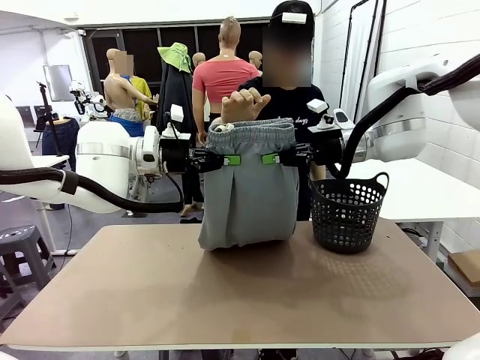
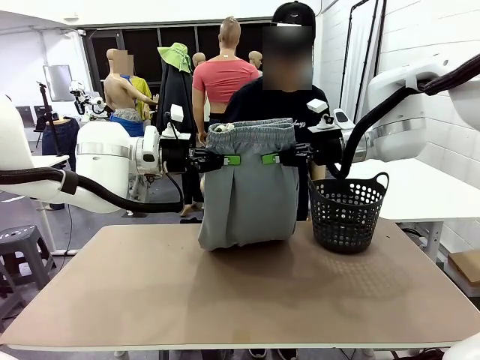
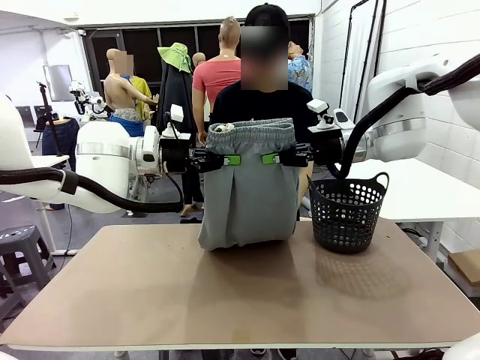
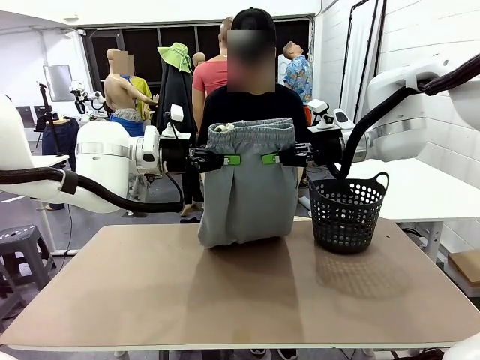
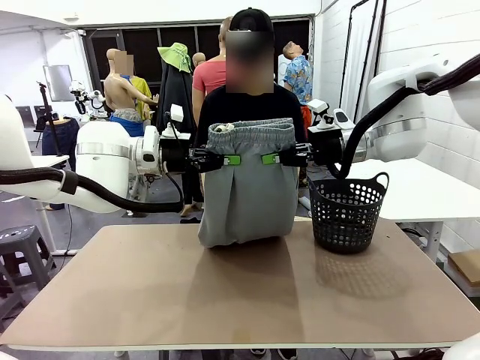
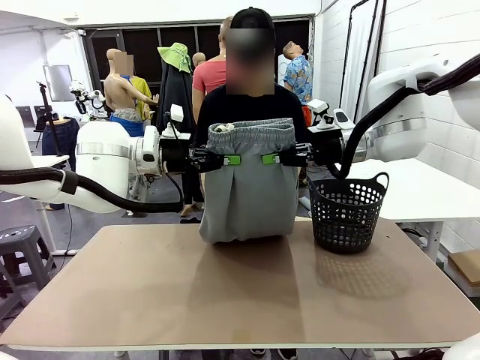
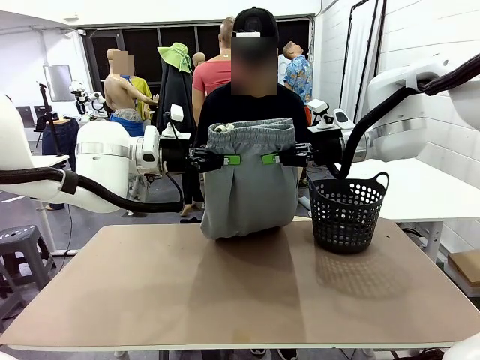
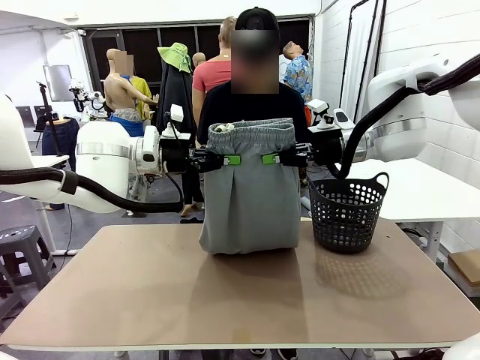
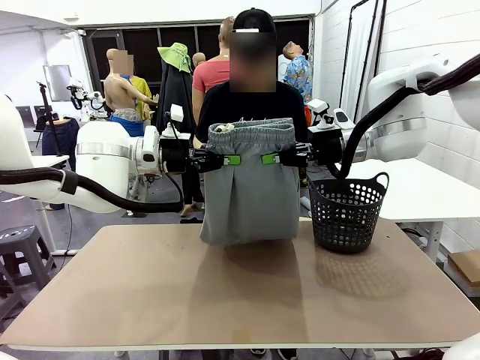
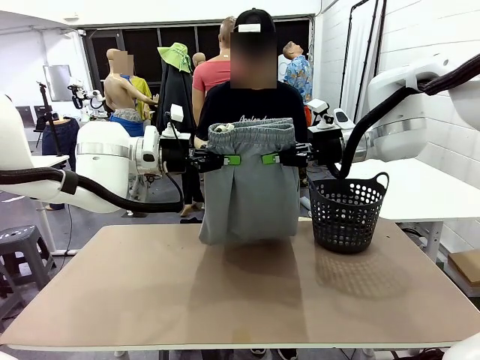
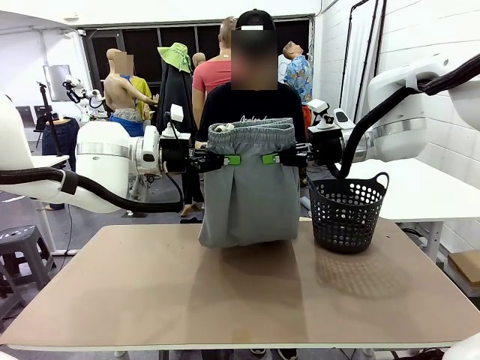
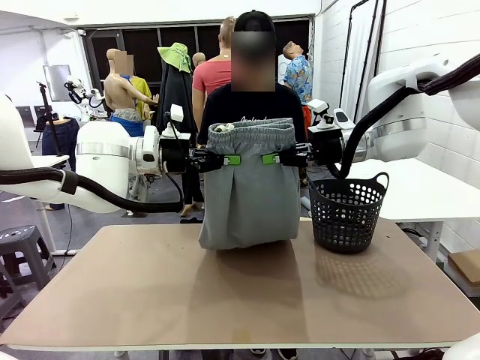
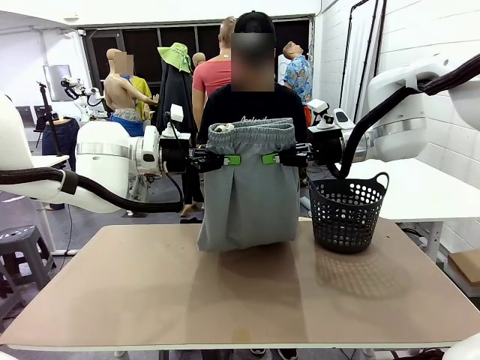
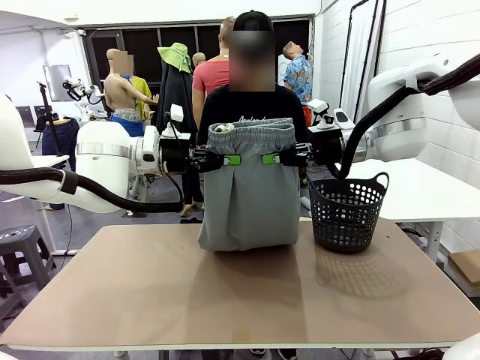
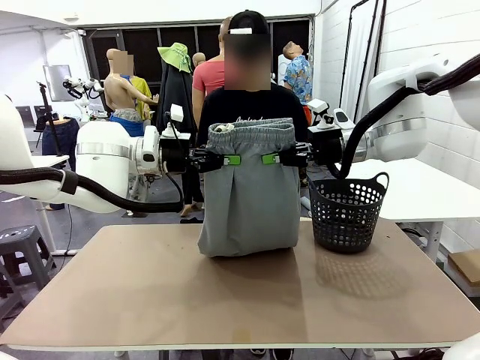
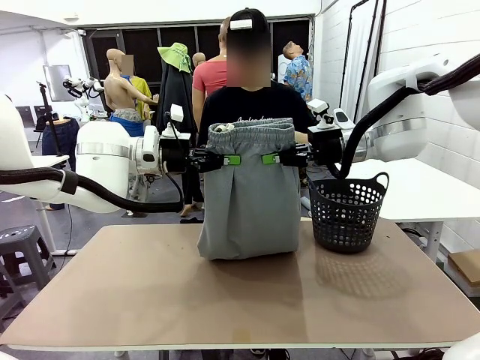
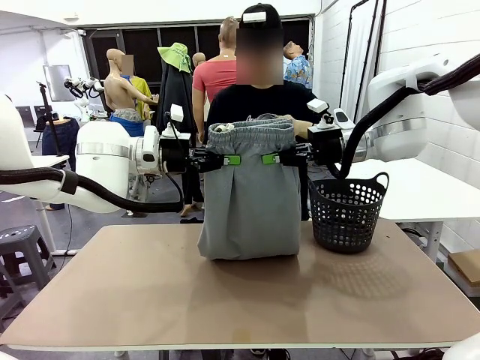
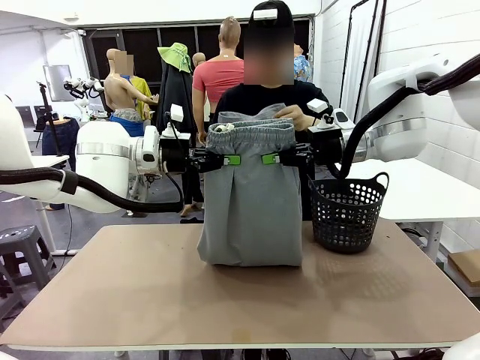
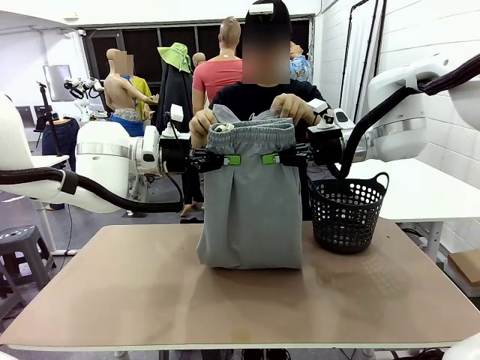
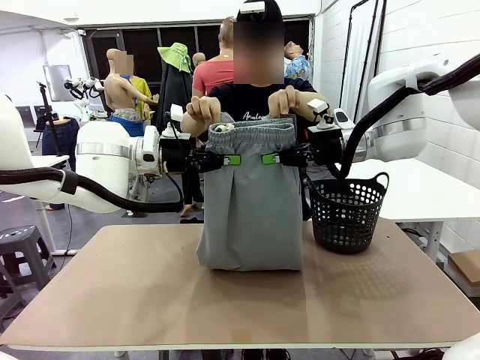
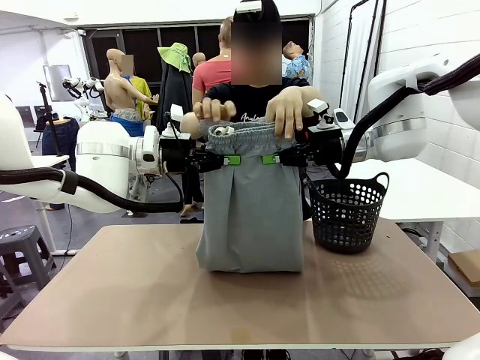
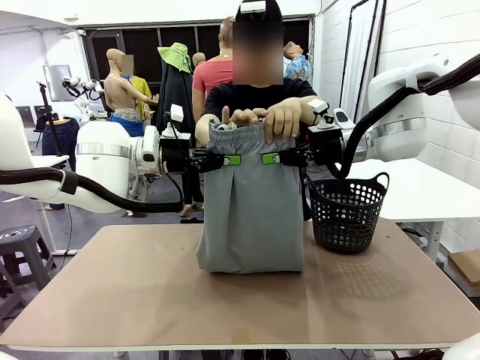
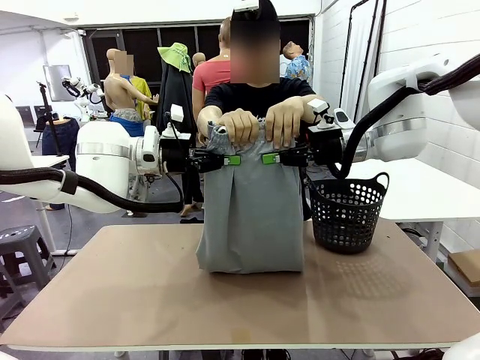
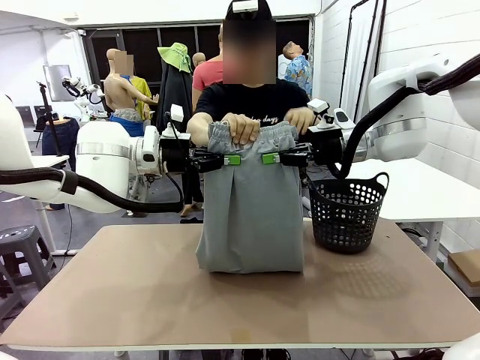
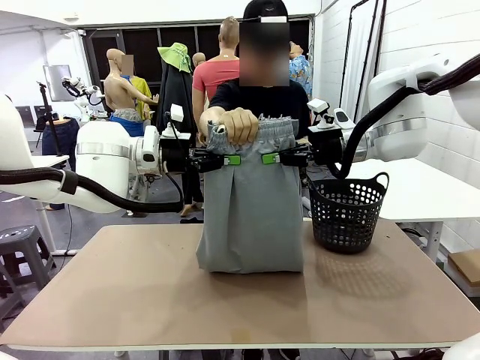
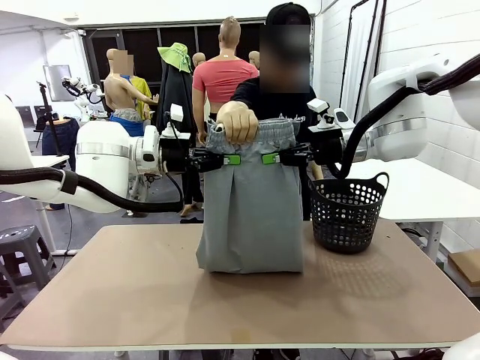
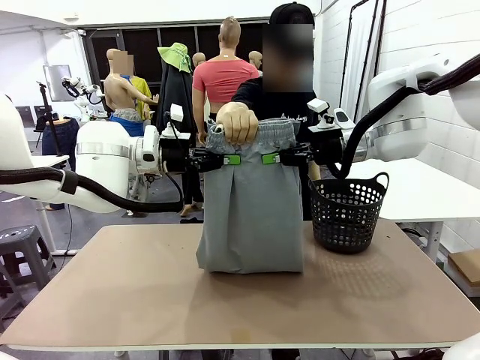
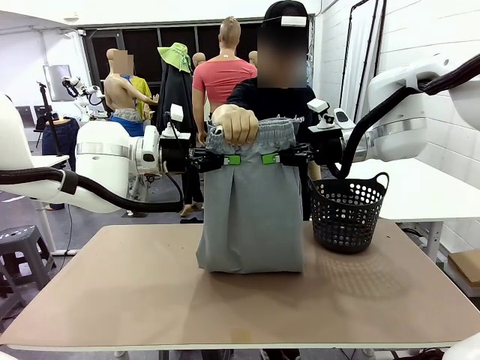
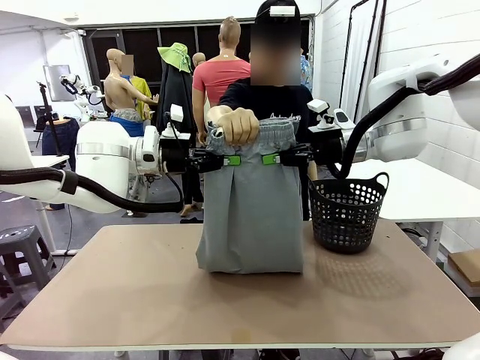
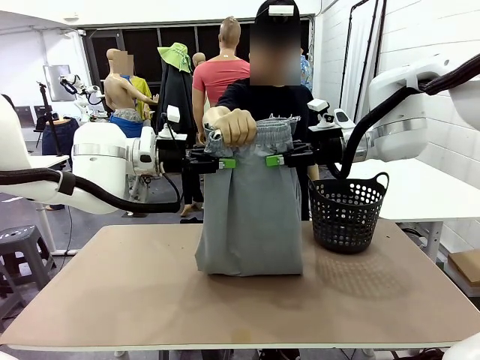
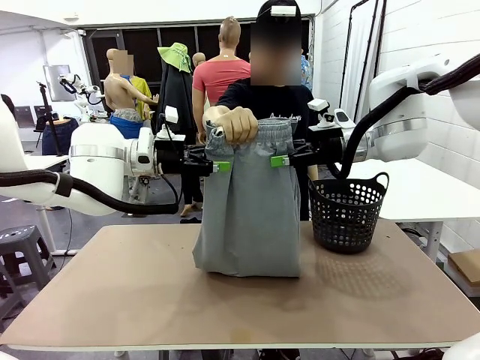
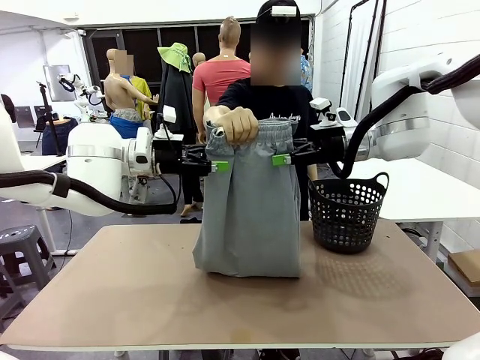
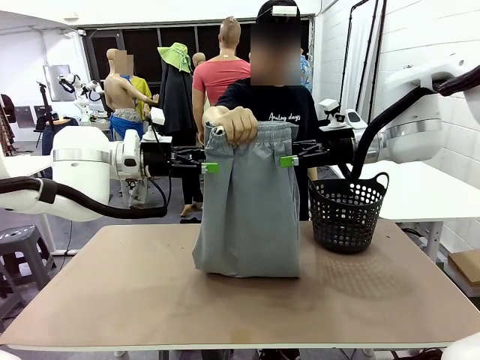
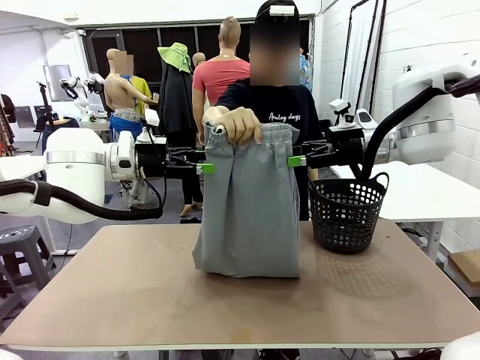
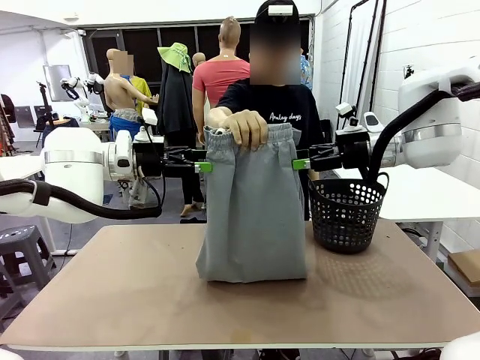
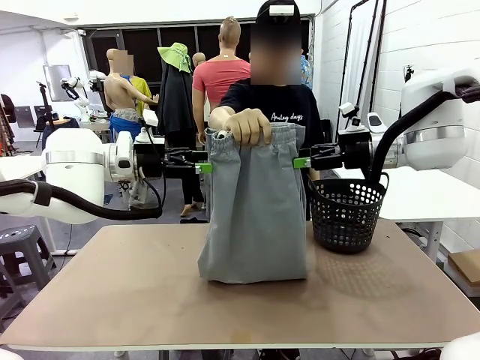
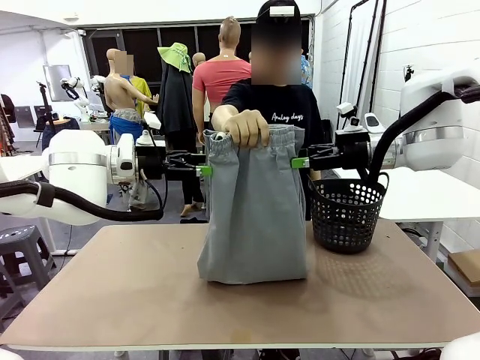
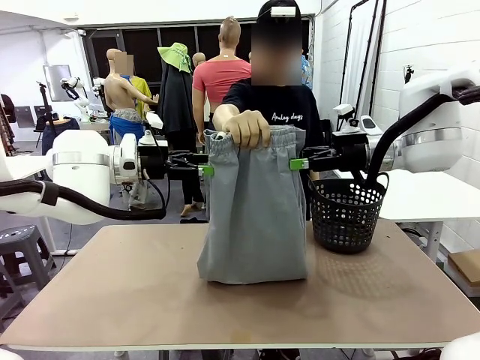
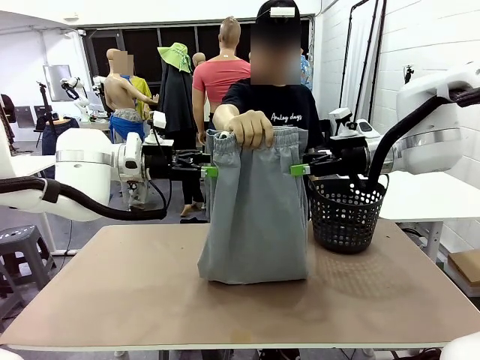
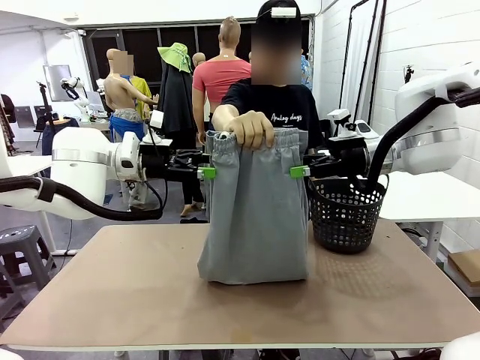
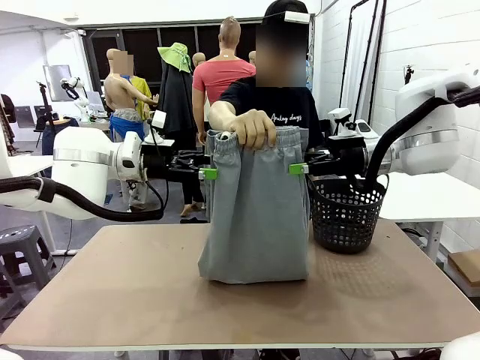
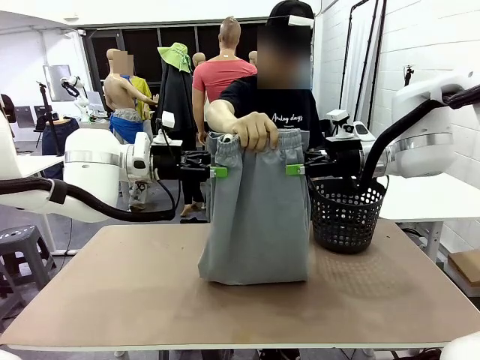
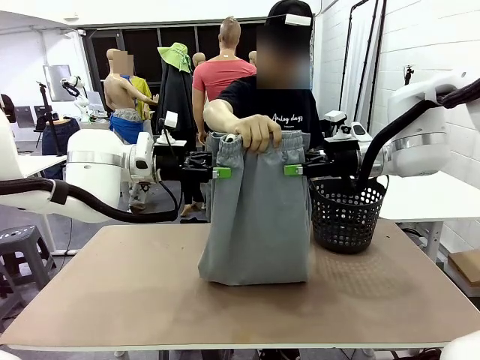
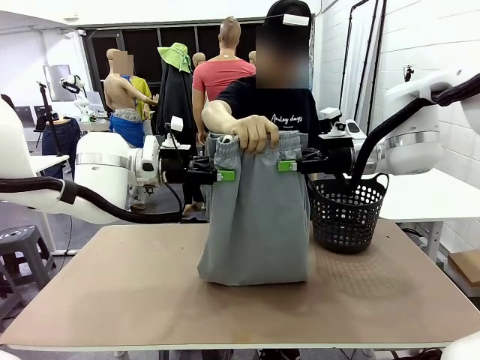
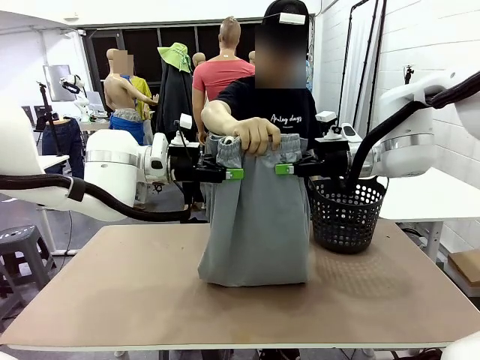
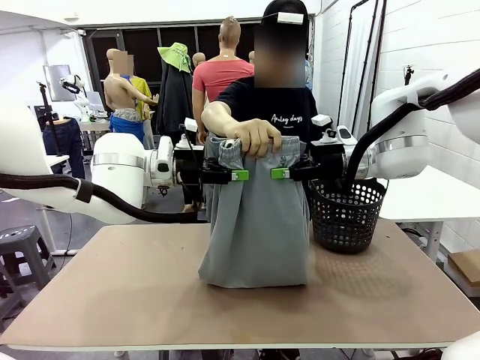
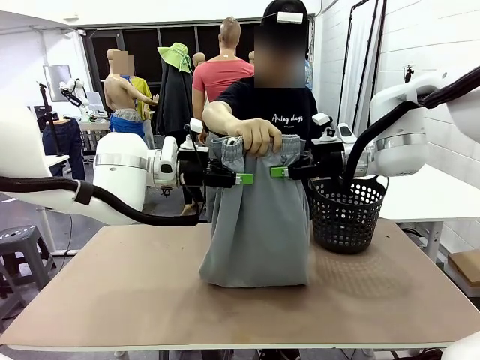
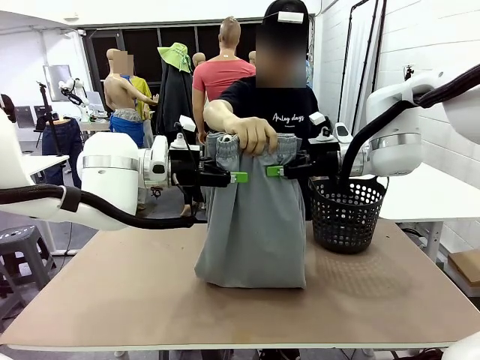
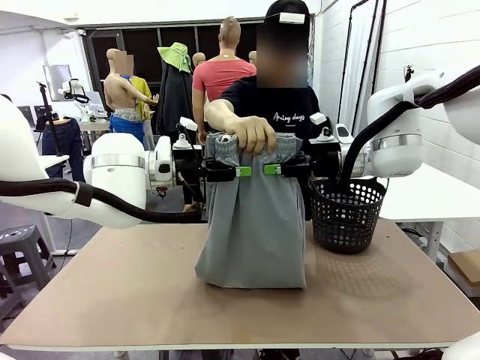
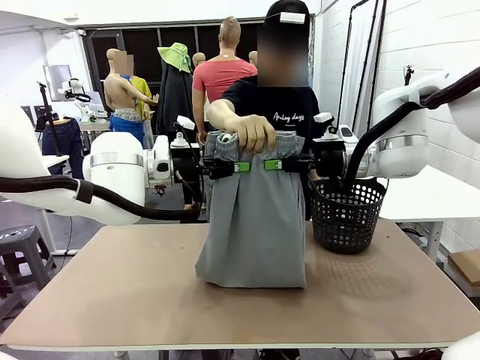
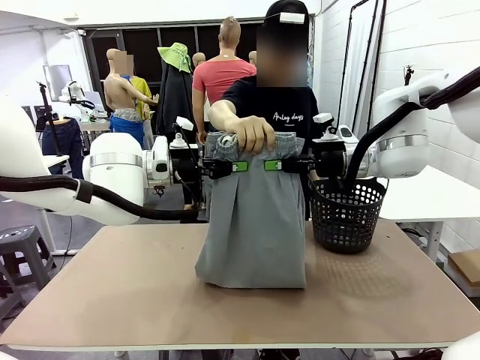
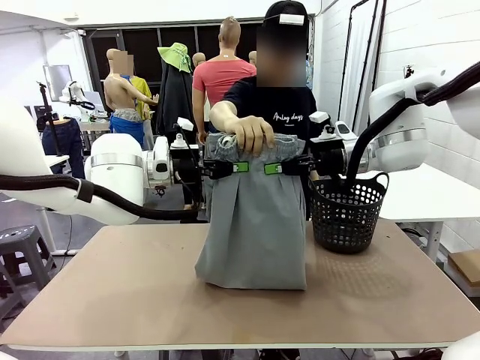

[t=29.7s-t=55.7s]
Task: Fold the training pants.
Robot: Release the ends of the Training pants and then grab the overlapped ends.
Person: Grasp the end opposite the point the robot is holding, fold the pants in half, and then grasp the overlapping top end of the folded pants. Release the pants you were holding.
